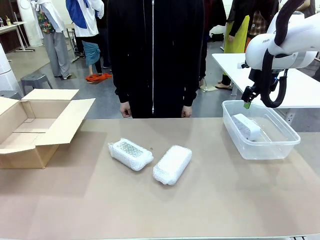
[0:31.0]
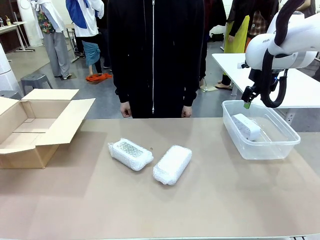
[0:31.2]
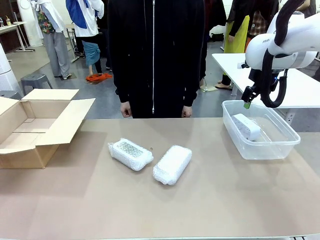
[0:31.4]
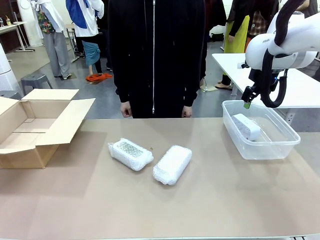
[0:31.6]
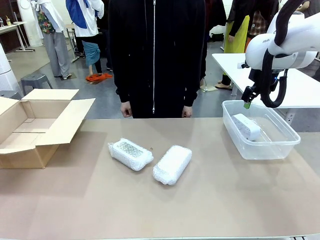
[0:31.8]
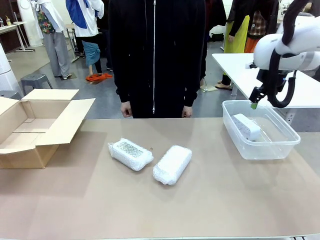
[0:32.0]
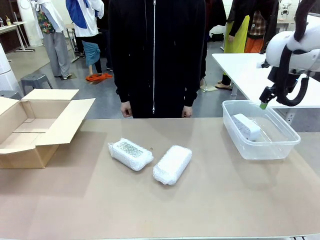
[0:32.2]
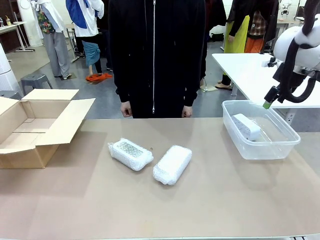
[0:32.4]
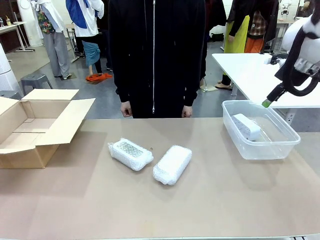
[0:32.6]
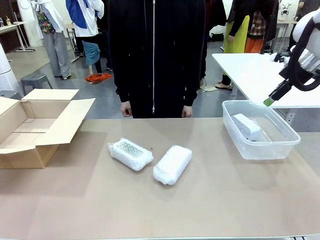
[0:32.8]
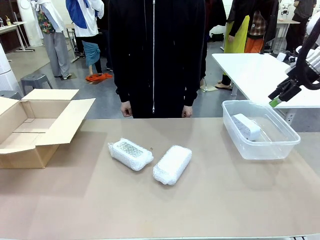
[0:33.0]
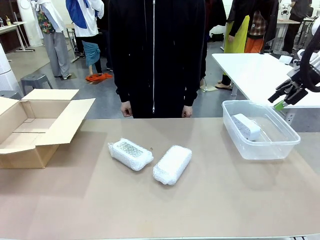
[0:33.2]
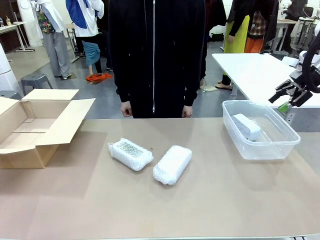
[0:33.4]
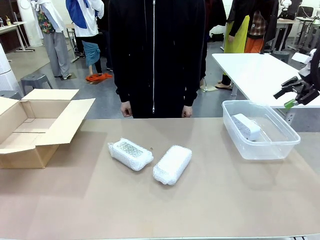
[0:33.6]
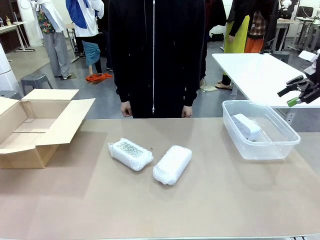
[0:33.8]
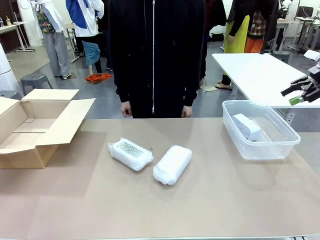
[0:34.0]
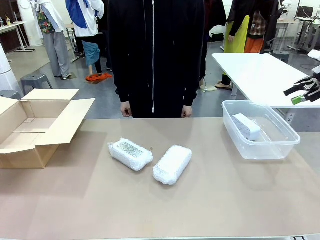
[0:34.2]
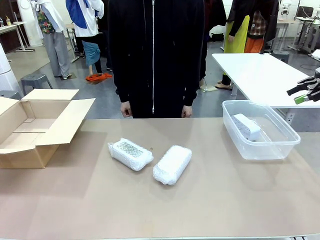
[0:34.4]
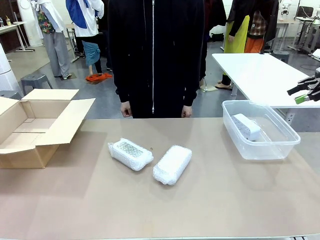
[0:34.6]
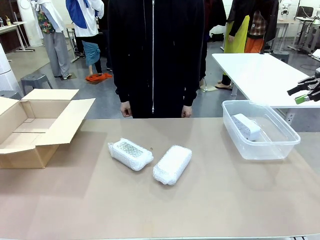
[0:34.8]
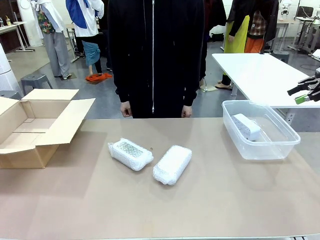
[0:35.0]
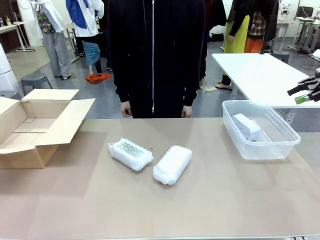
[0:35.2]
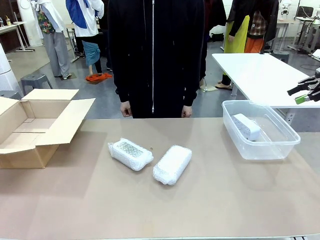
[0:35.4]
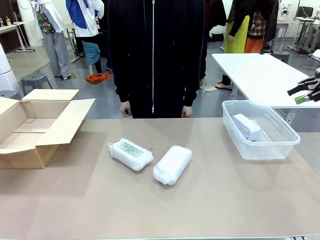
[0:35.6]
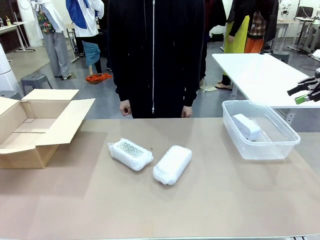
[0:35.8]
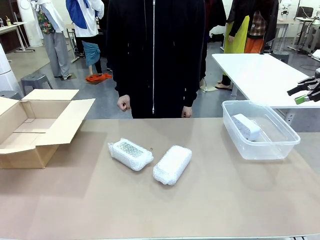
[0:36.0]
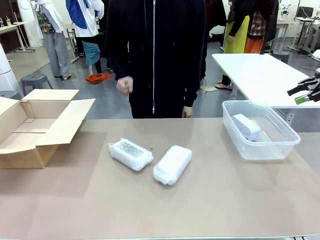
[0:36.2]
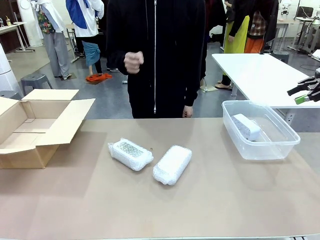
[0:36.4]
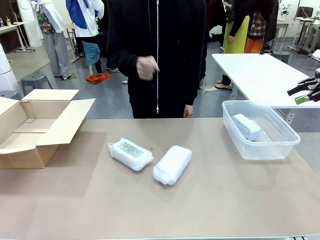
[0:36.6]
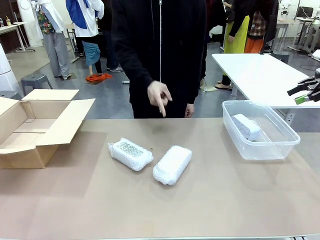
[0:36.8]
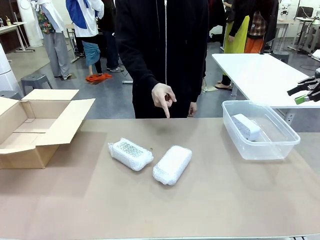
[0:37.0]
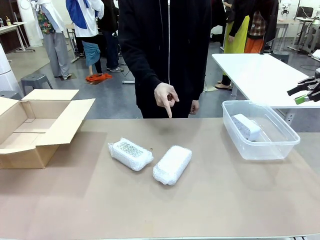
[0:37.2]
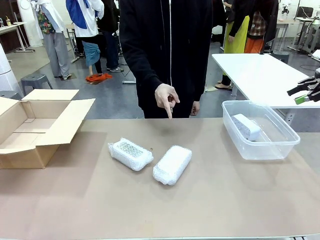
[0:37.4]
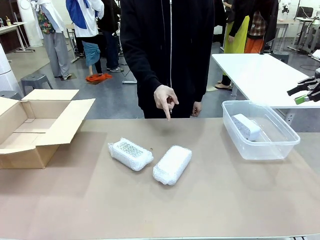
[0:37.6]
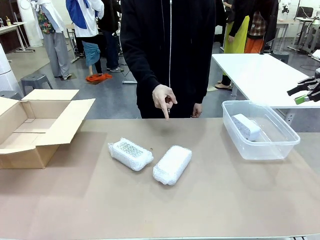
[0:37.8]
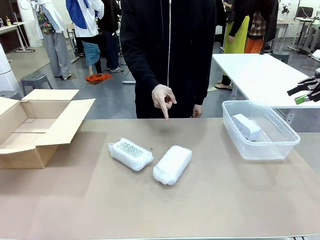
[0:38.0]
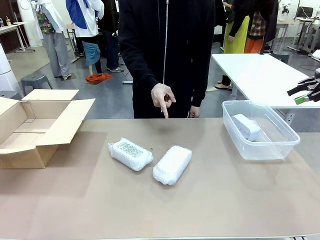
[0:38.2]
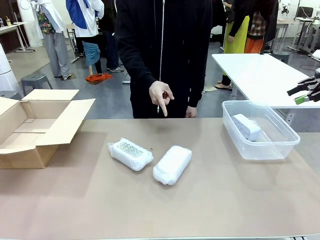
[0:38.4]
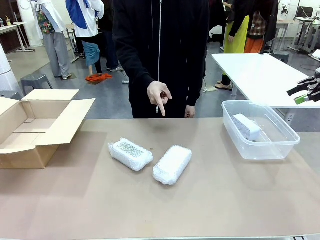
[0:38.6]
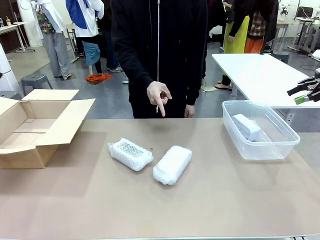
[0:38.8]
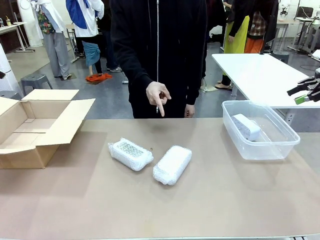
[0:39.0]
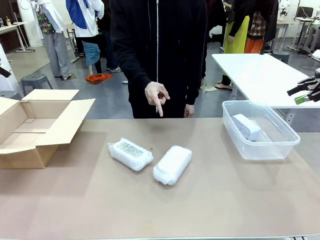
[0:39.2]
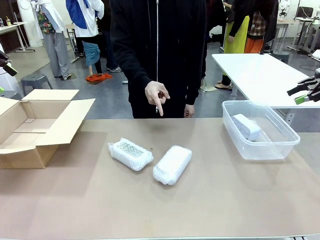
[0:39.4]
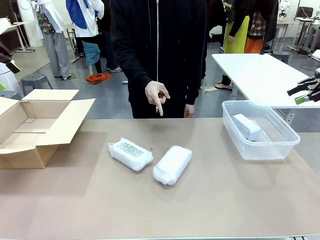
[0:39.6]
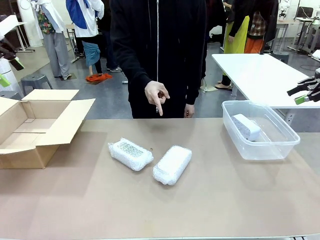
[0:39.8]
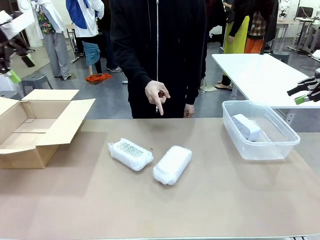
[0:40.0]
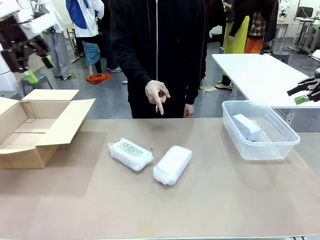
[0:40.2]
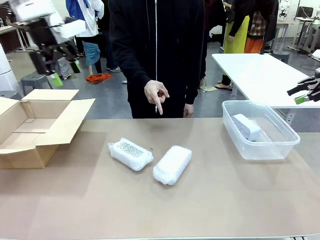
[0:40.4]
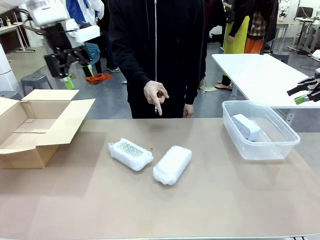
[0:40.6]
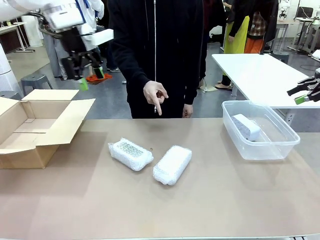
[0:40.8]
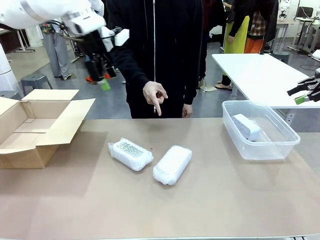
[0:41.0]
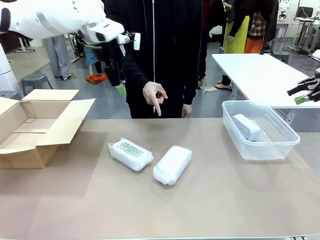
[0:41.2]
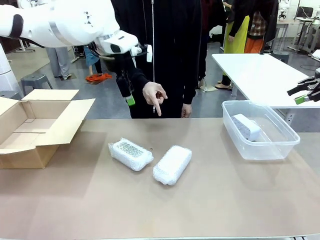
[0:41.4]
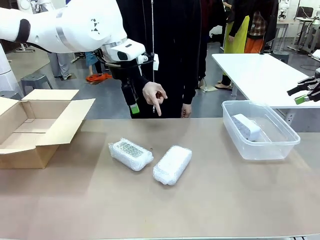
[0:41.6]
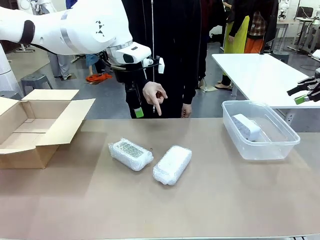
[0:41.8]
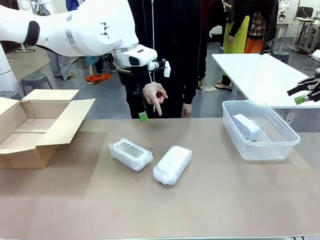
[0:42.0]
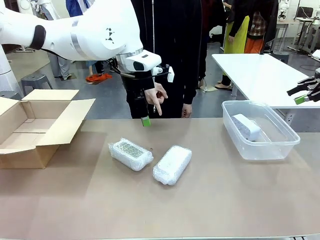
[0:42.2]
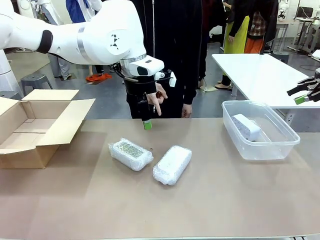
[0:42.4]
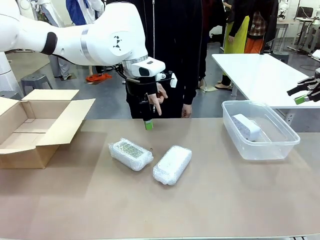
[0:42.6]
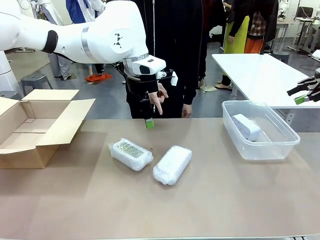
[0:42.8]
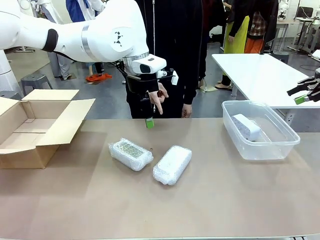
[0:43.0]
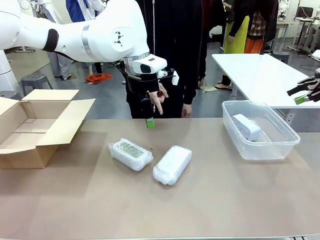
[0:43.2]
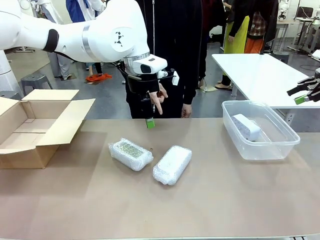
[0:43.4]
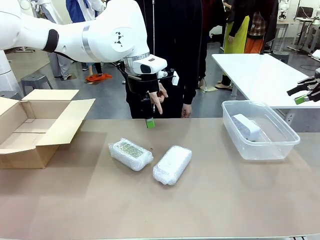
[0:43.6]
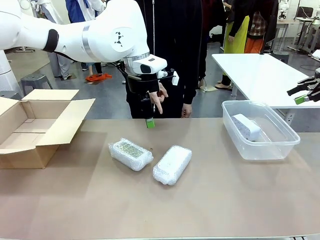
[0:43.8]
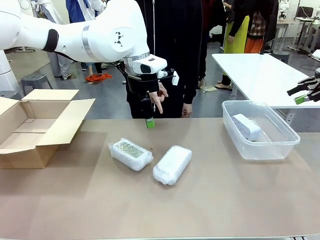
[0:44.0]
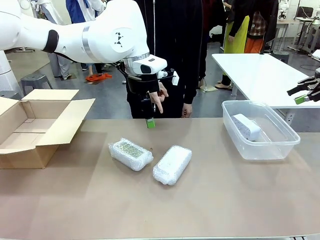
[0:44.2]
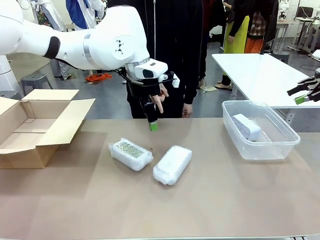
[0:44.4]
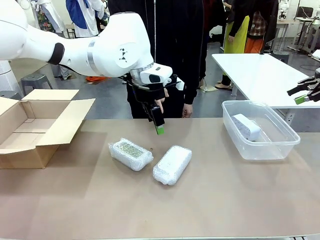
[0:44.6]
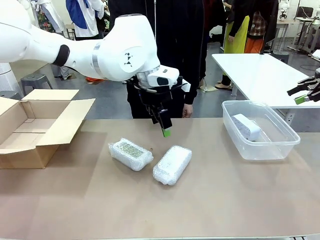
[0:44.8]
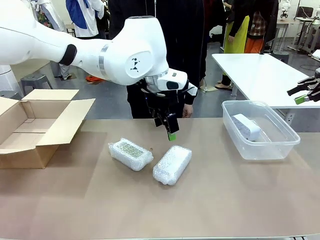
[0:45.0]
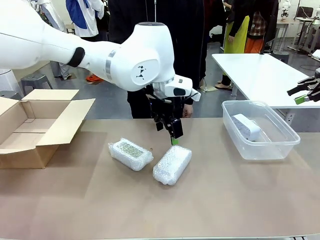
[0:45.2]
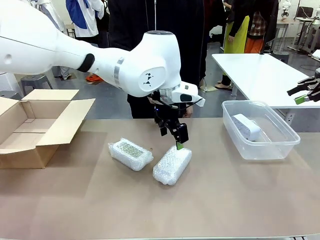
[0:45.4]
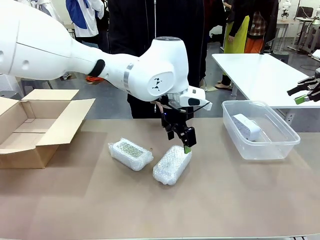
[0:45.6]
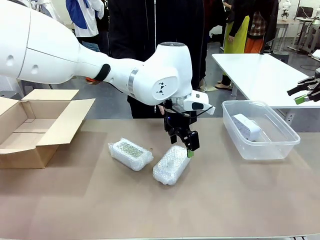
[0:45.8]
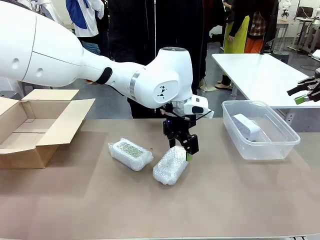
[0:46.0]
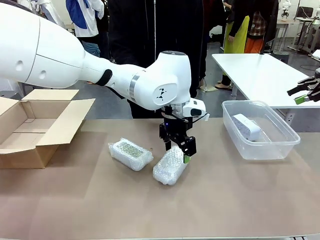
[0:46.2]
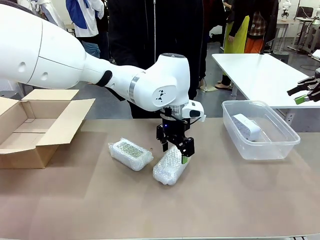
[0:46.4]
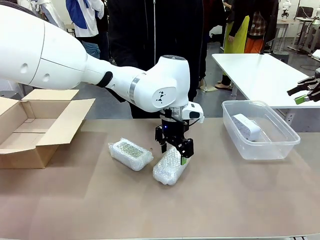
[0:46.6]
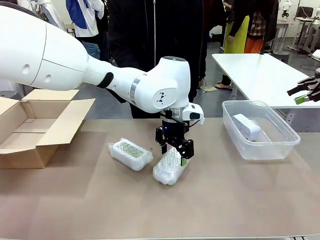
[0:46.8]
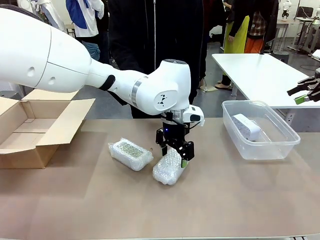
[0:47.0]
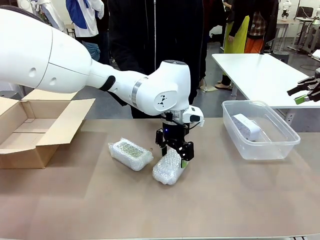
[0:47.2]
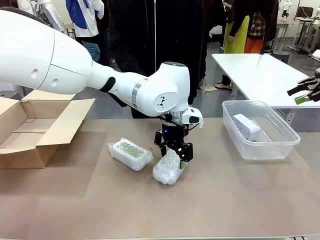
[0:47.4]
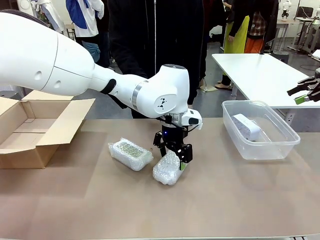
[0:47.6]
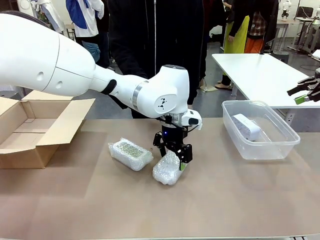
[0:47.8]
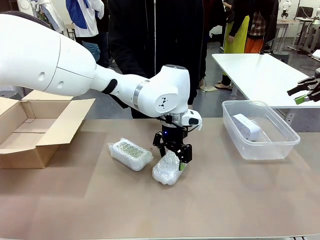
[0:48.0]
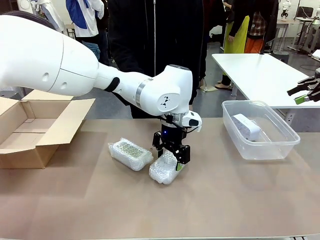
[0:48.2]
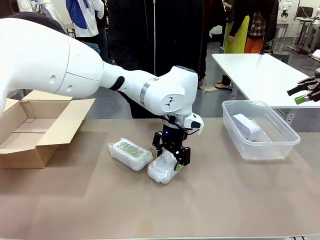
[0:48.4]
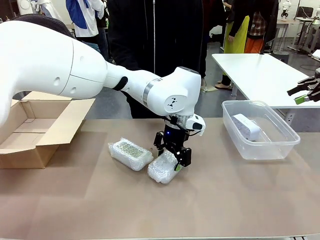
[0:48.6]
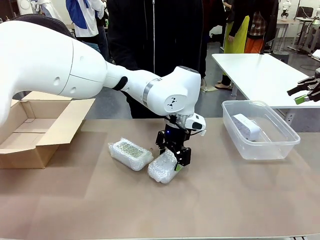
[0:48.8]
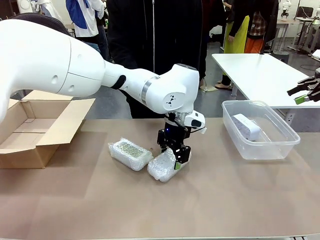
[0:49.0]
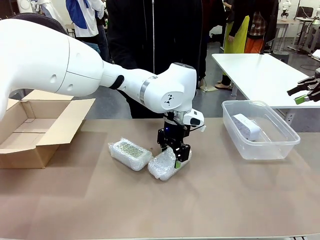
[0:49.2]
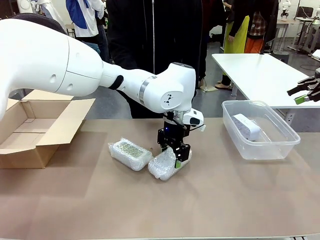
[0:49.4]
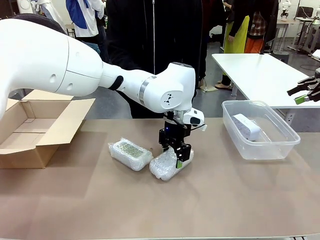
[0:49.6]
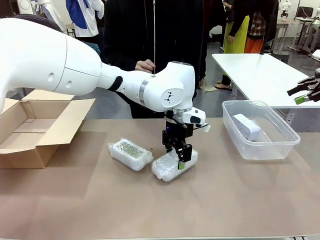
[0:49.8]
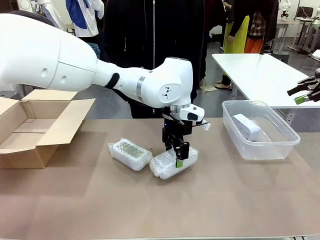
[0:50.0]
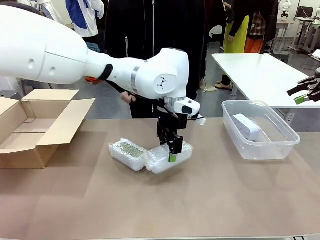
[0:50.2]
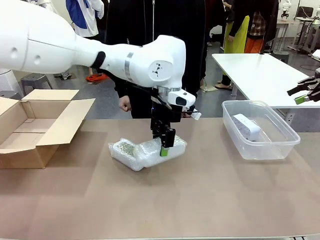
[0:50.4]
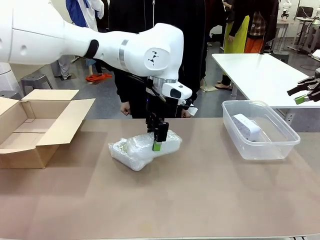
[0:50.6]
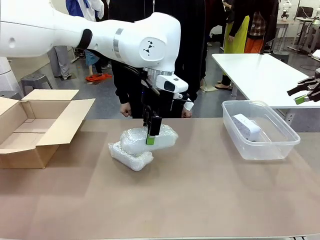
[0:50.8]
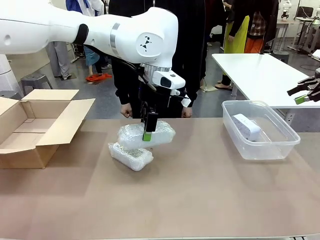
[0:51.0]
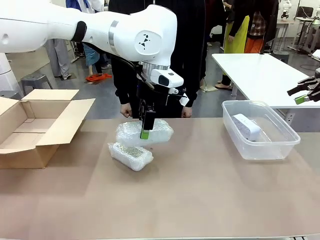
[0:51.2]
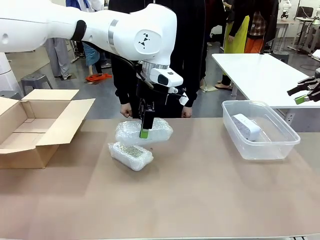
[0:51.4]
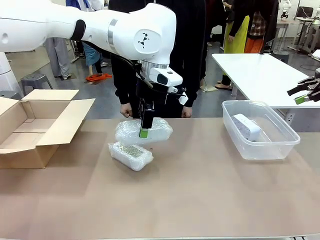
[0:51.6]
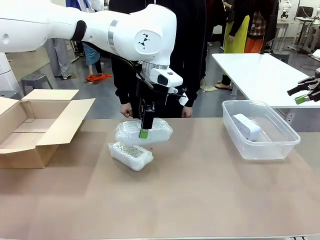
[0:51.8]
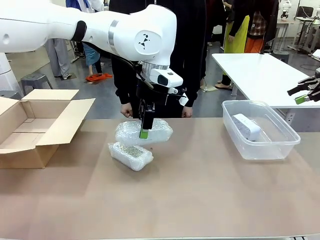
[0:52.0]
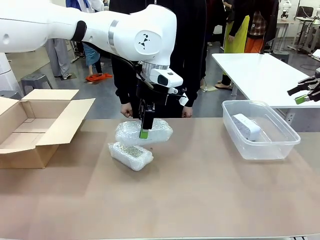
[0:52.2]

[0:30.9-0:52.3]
Task: Separate and place wrapped and unwrapped clocks.
Robot: Pick up the Digital clock indicated by the person.
